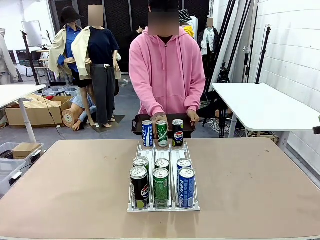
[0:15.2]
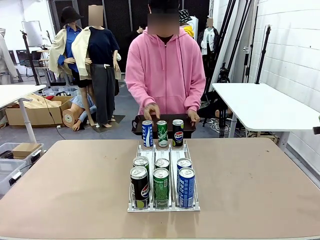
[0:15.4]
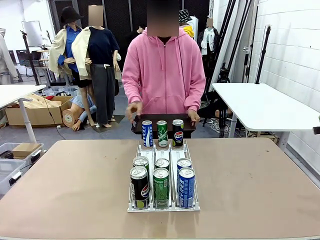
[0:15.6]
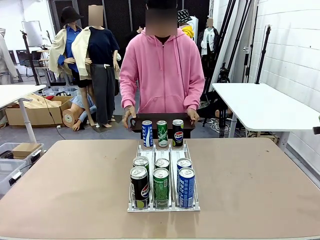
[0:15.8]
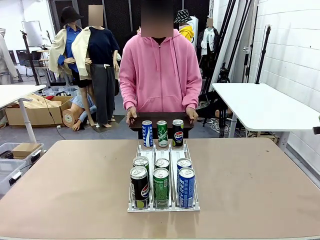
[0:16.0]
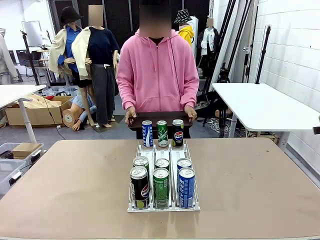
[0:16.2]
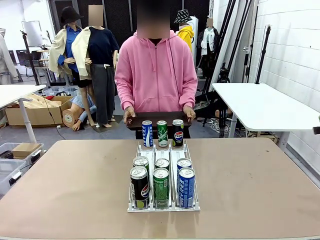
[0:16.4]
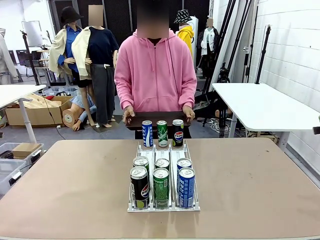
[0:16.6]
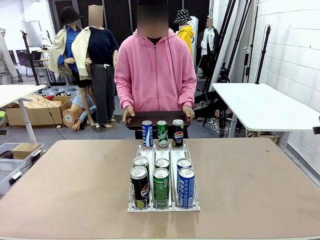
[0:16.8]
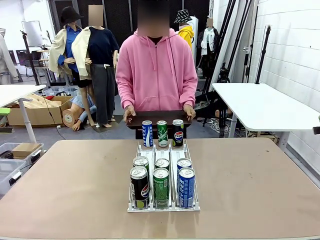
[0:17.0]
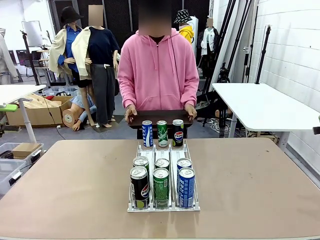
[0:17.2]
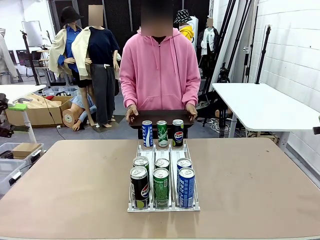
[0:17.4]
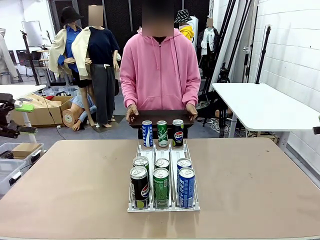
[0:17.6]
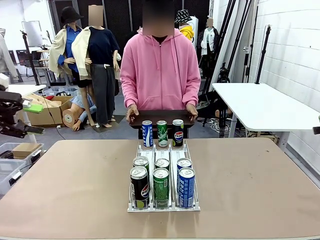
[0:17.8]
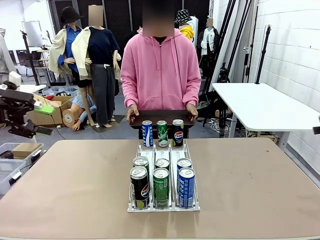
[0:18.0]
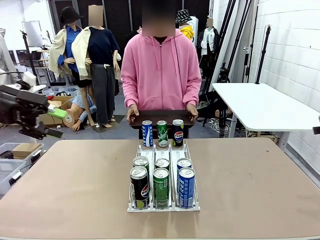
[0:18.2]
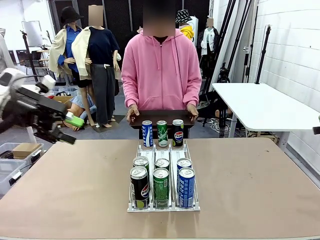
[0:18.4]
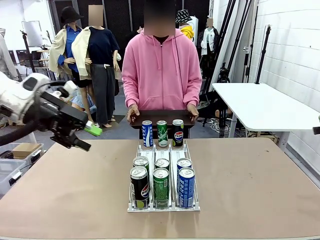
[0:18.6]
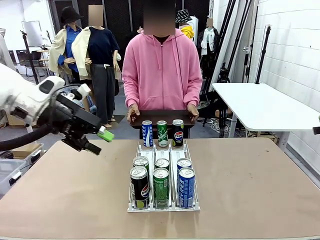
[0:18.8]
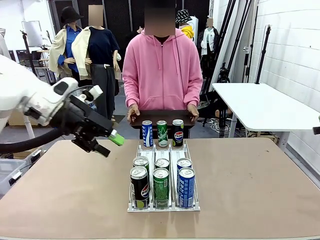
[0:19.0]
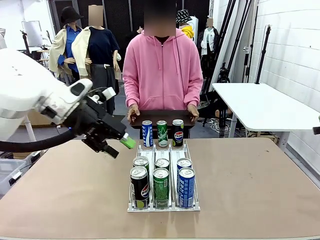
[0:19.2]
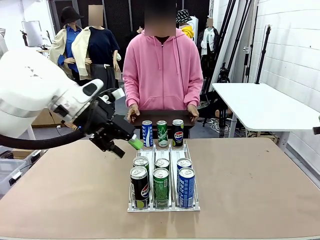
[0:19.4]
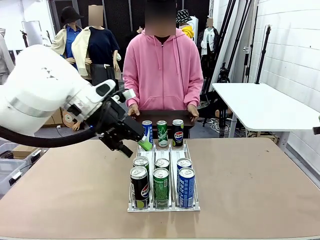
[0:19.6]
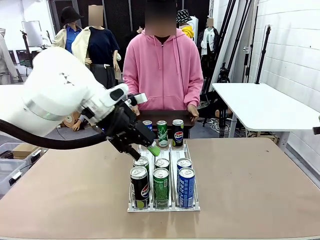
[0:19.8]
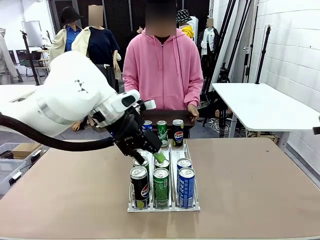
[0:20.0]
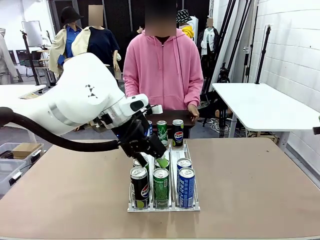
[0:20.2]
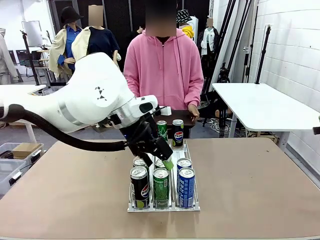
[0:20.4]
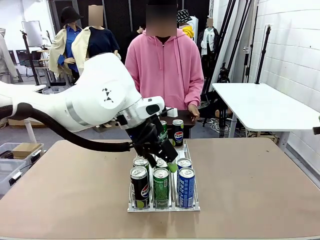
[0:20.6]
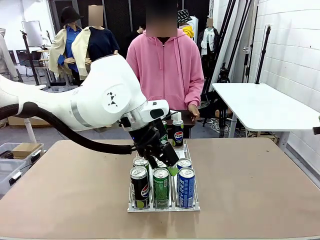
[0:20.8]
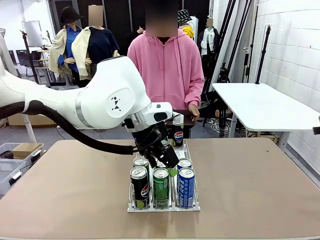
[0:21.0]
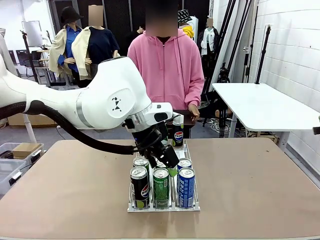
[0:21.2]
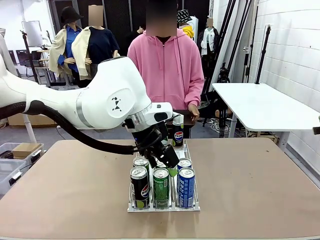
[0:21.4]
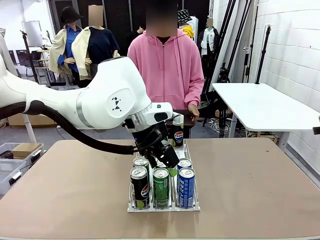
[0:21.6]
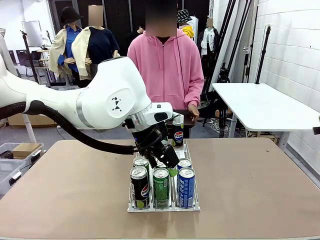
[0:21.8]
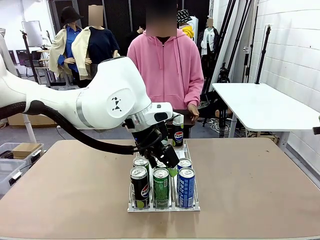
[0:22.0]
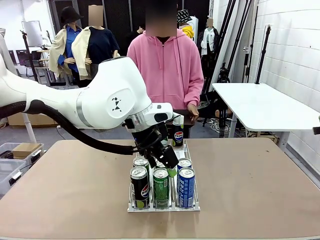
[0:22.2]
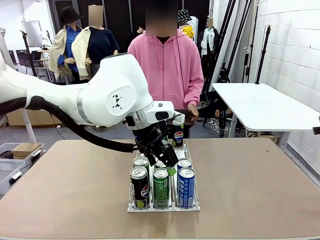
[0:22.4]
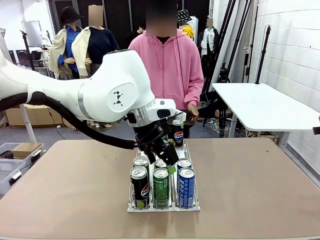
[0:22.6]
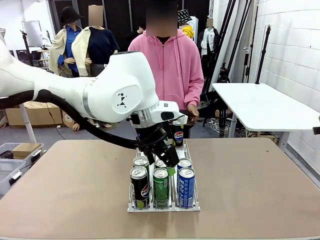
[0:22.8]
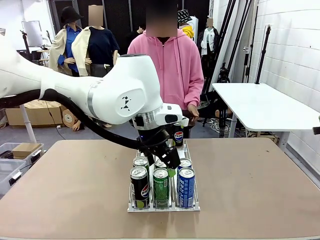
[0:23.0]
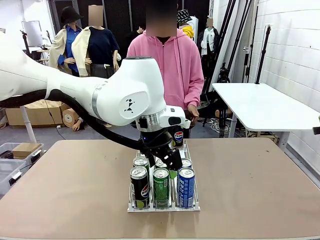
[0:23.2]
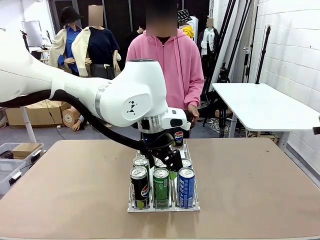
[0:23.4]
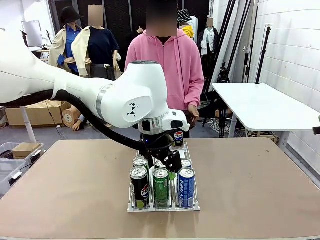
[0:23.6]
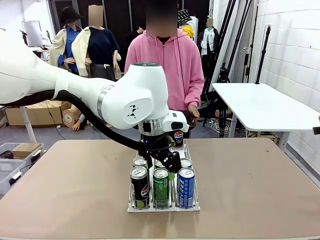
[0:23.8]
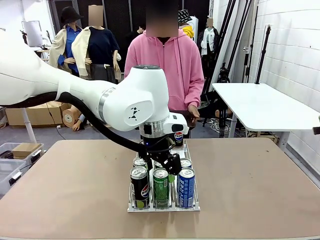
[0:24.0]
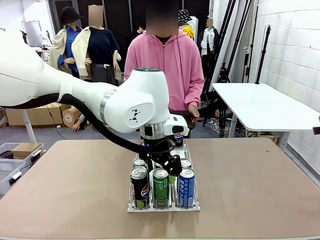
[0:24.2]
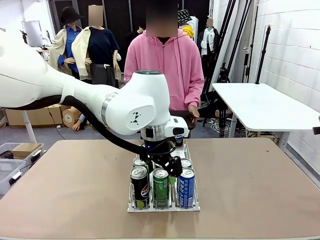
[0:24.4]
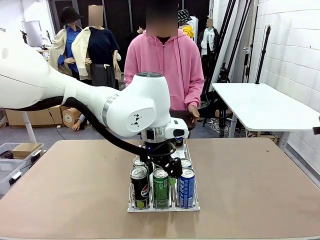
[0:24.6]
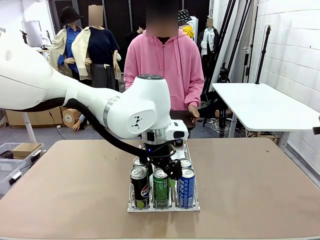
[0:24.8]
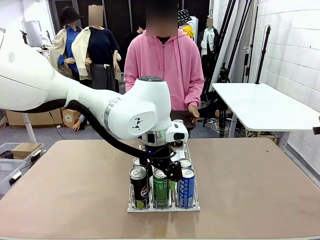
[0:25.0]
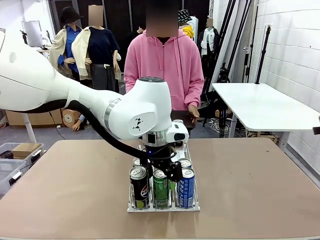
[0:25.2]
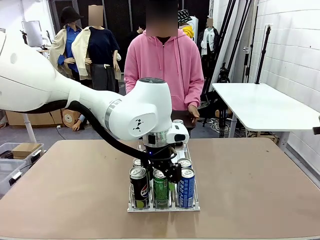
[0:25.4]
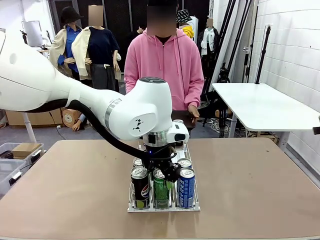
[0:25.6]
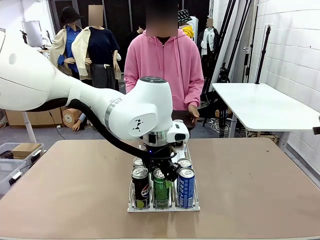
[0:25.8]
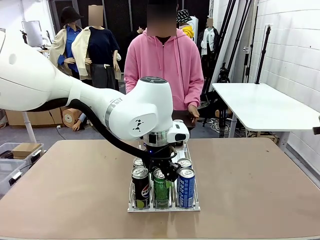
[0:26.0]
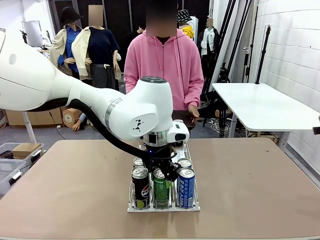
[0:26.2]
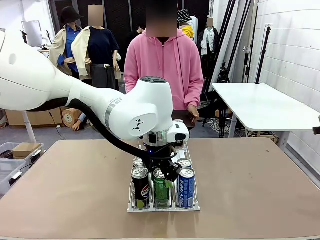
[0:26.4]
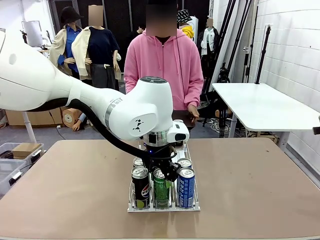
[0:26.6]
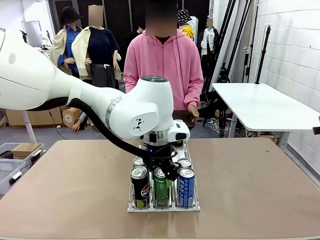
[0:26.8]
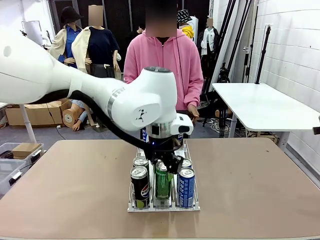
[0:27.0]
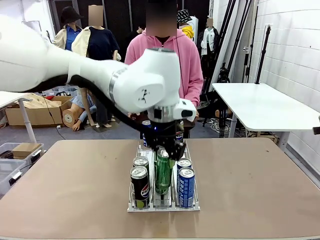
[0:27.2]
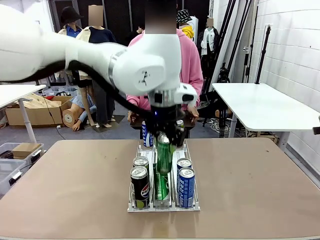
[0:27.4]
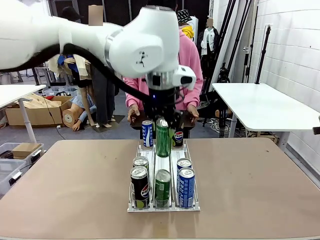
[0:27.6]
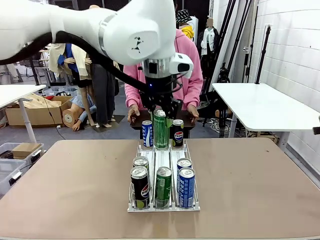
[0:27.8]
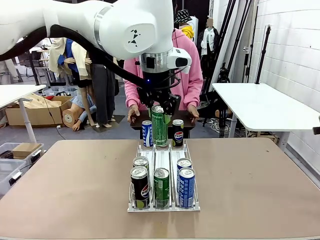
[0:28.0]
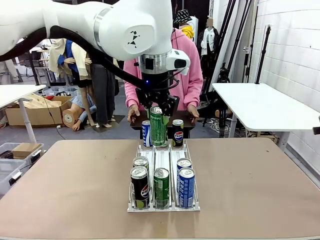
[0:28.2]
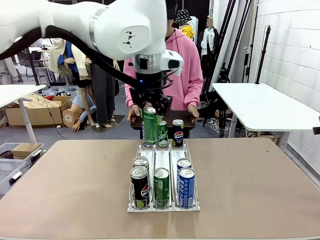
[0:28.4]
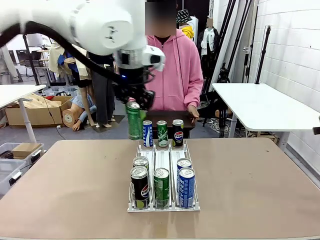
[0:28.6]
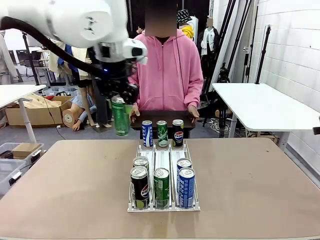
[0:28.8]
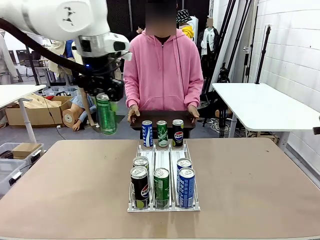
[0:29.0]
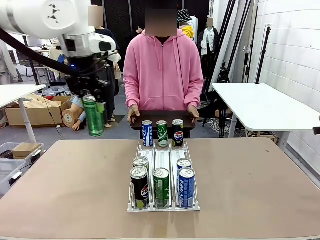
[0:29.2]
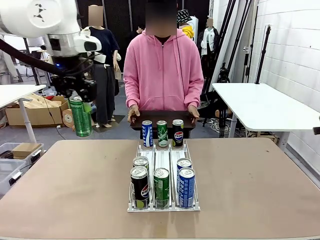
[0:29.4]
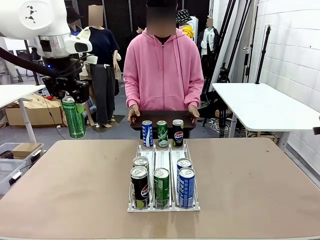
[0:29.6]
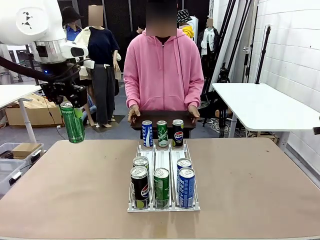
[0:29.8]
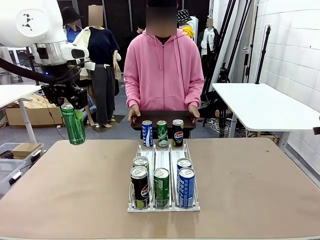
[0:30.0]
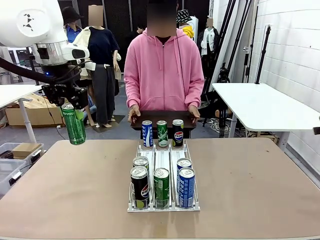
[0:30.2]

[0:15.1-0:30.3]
Task: Retrieve and hand over the desired beverage to the person.
Robot: Pick up a can of the same type that the person held from the Automatic Can Dispenser.
Person: Push the tray toward the robot.

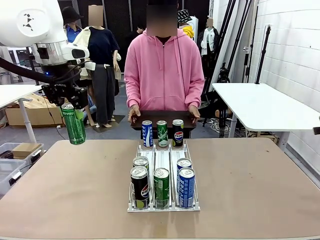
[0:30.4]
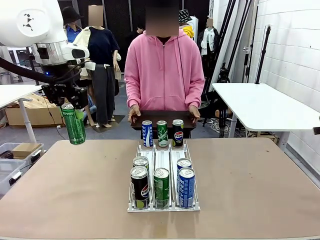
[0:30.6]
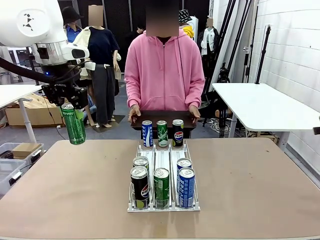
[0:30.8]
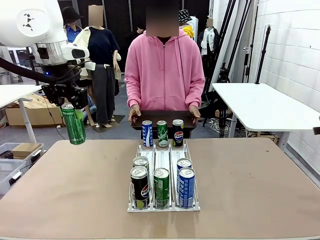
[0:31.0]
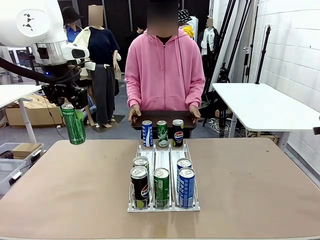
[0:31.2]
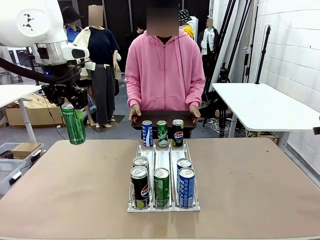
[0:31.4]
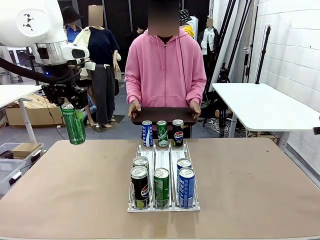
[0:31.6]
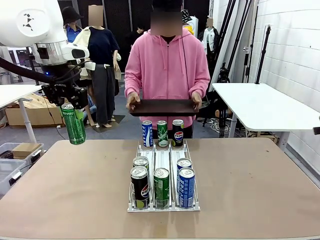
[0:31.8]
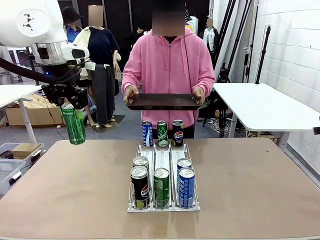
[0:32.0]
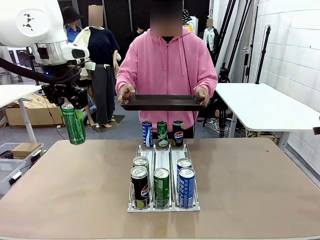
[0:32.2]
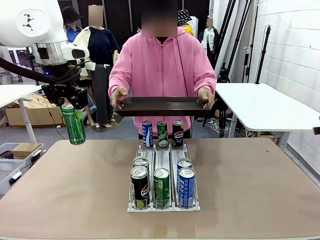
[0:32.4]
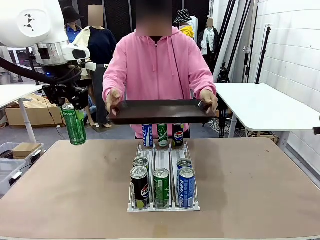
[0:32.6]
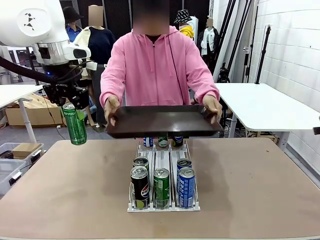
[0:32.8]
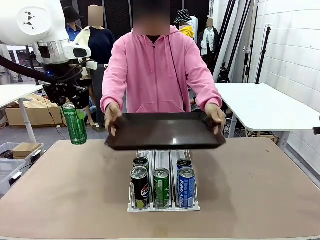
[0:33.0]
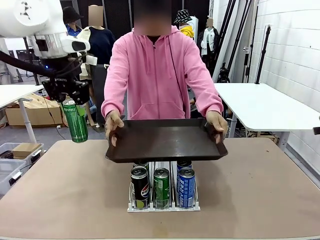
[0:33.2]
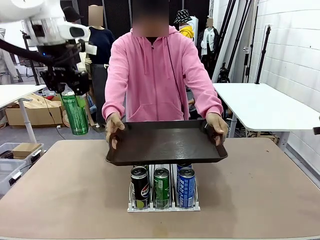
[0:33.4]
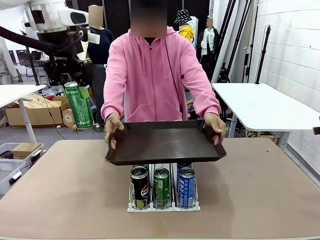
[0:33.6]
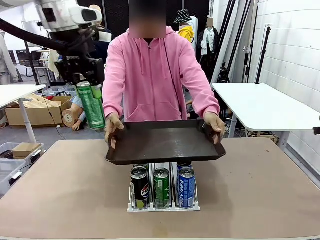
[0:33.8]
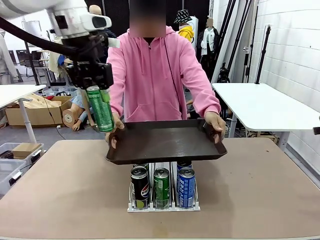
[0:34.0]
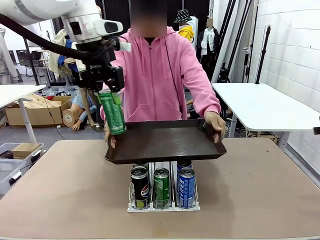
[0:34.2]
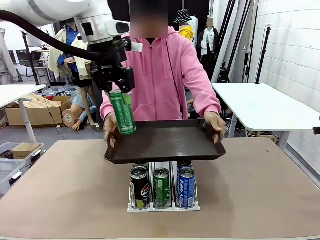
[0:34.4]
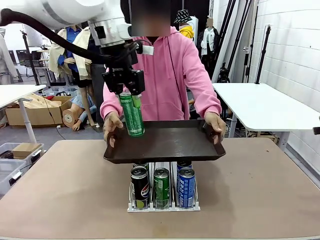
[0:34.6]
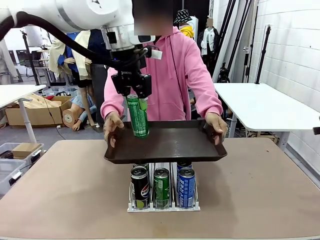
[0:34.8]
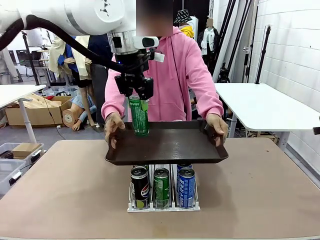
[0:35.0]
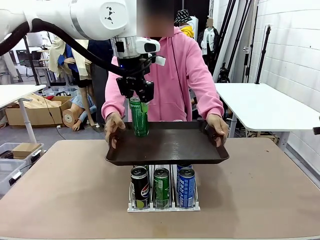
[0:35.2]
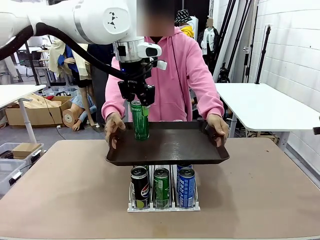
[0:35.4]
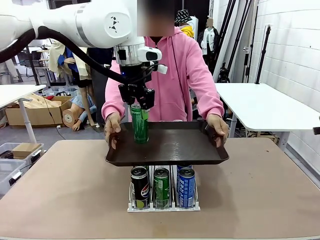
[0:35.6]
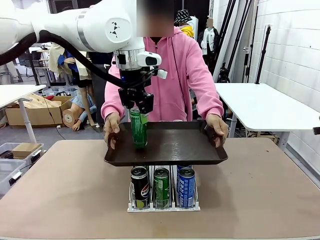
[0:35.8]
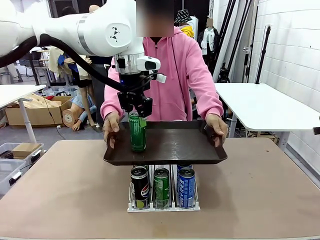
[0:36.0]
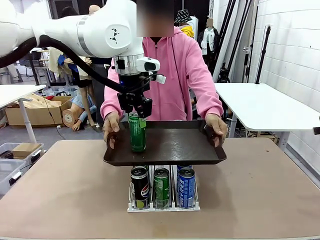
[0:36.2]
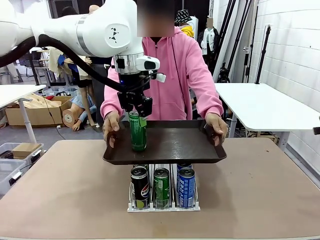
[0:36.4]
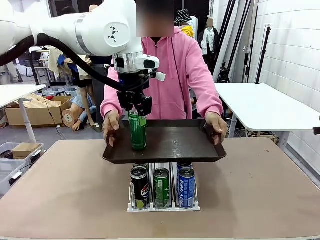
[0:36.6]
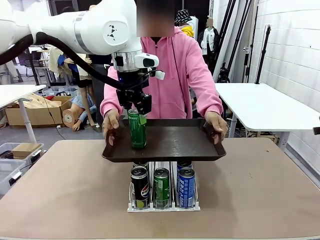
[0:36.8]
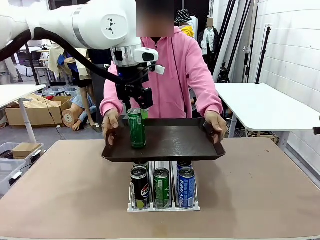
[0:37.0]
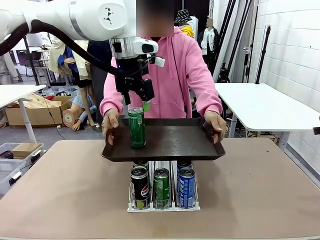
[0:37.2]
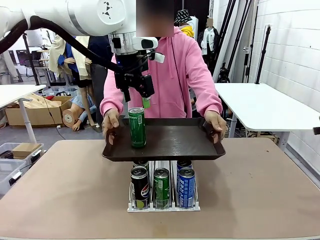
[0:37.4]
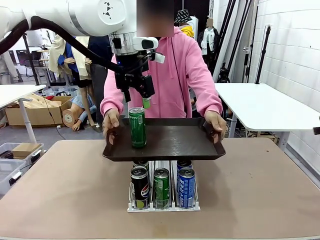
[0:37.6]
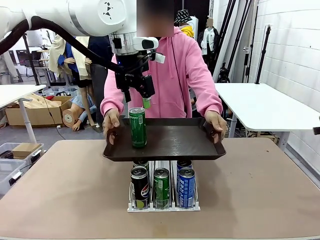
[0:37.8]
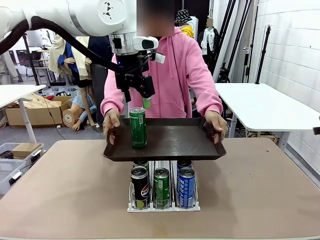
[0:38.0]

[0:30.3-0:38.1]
Robot: Place the picked can on the Handle tray extended by the person.
